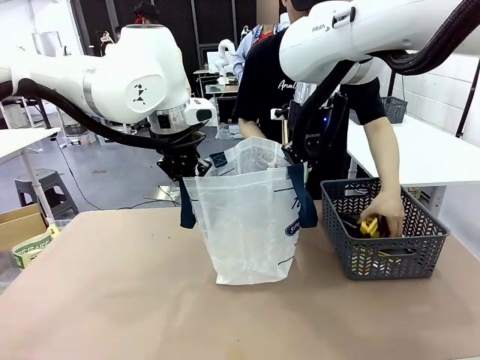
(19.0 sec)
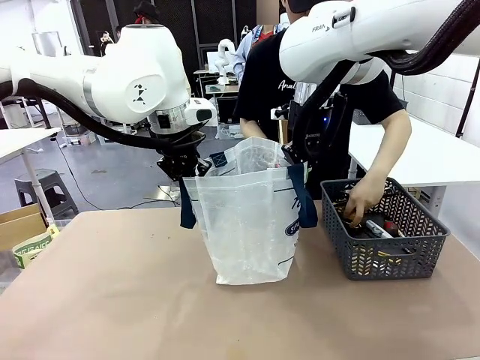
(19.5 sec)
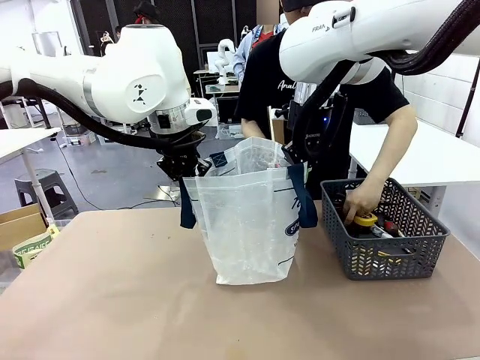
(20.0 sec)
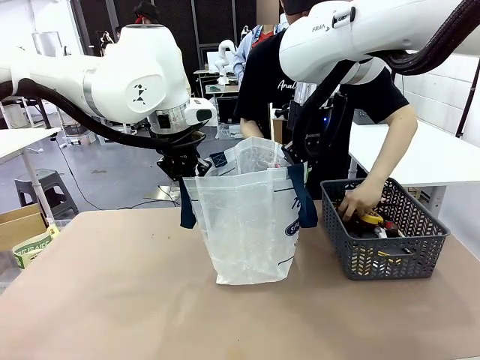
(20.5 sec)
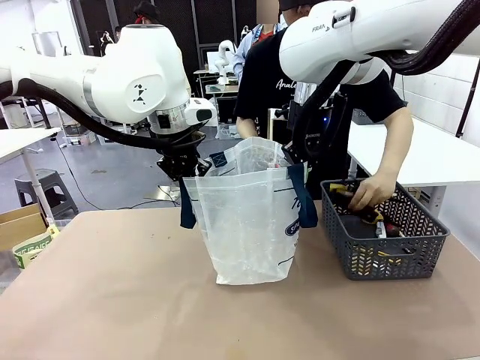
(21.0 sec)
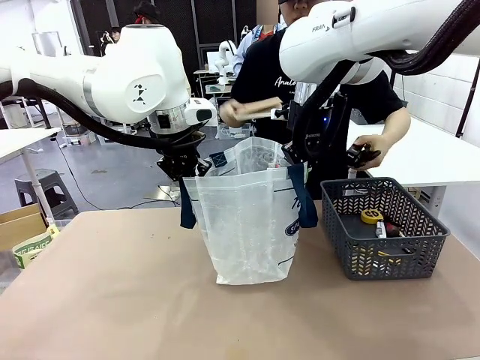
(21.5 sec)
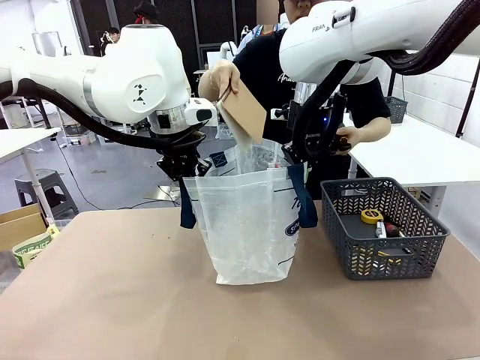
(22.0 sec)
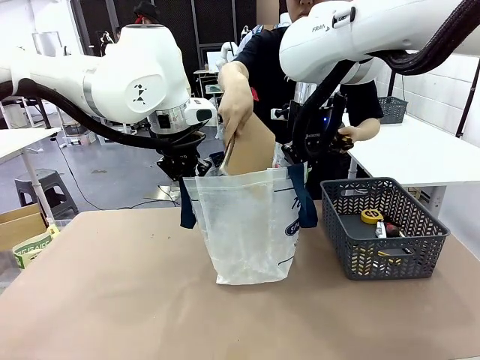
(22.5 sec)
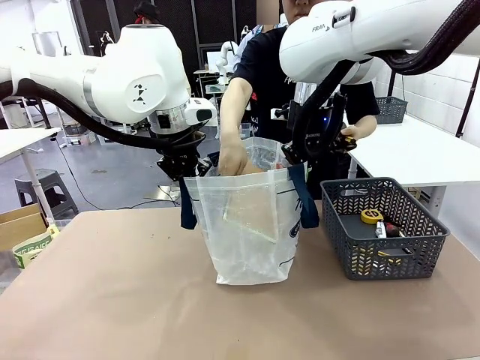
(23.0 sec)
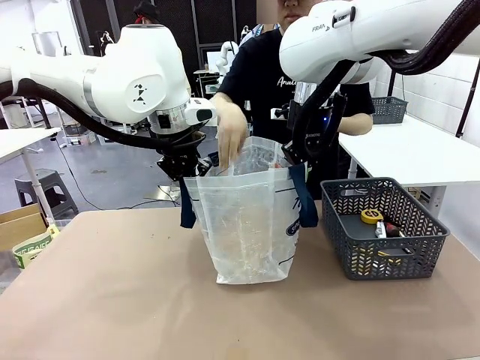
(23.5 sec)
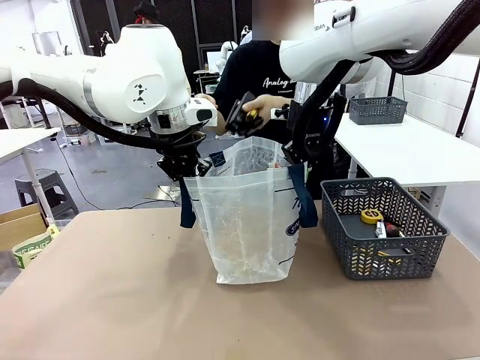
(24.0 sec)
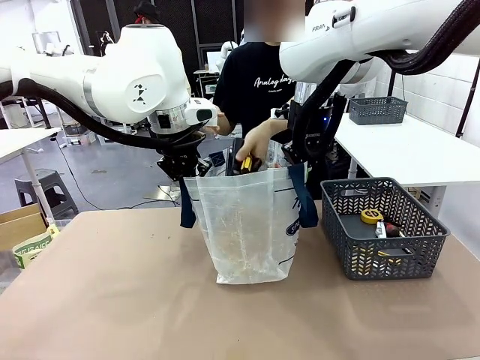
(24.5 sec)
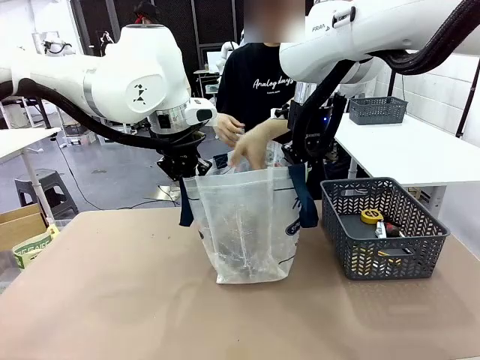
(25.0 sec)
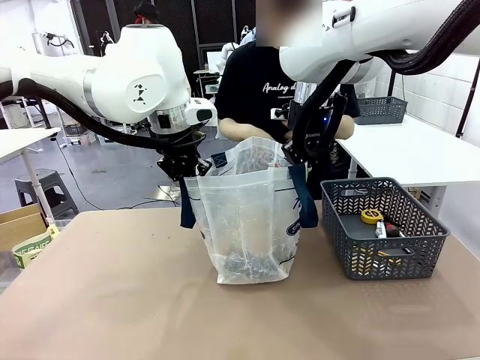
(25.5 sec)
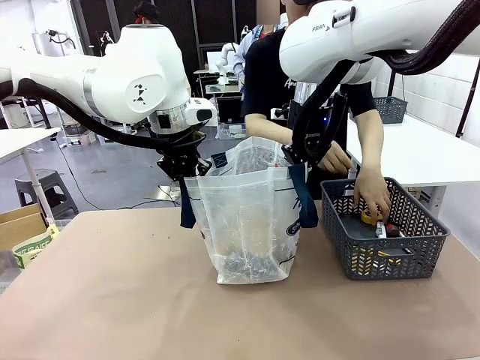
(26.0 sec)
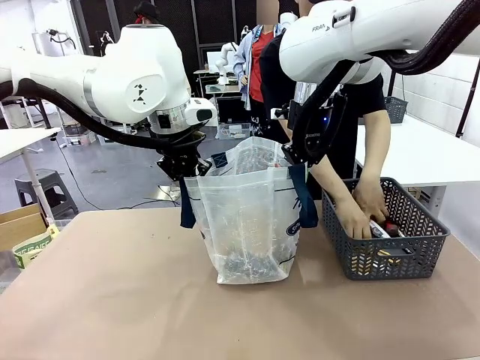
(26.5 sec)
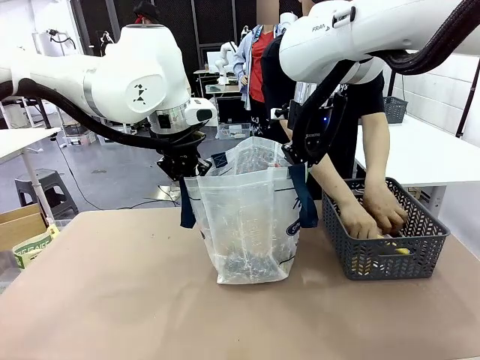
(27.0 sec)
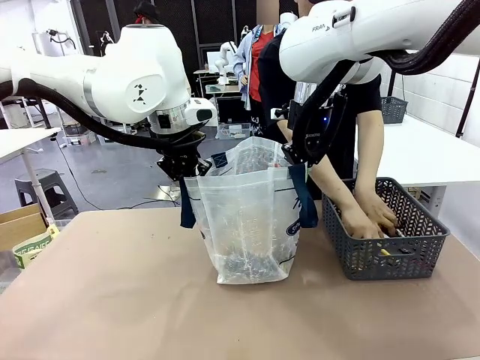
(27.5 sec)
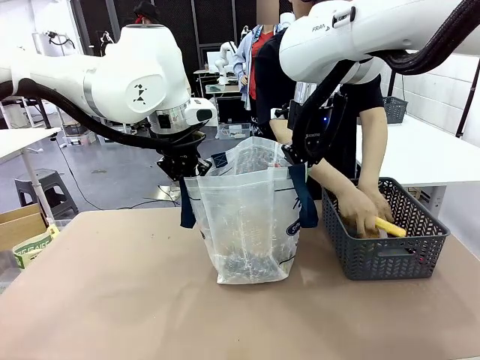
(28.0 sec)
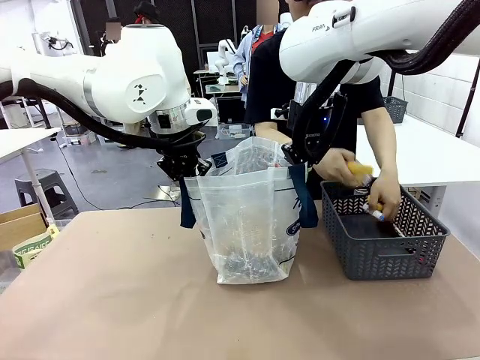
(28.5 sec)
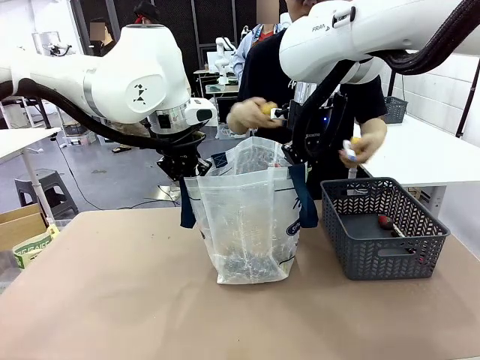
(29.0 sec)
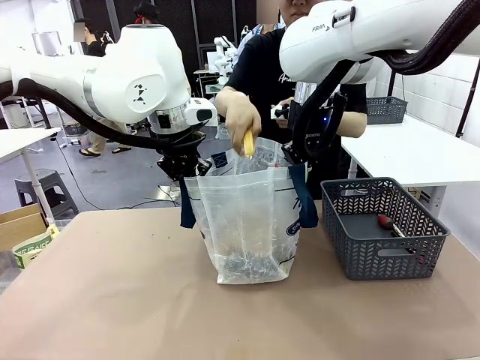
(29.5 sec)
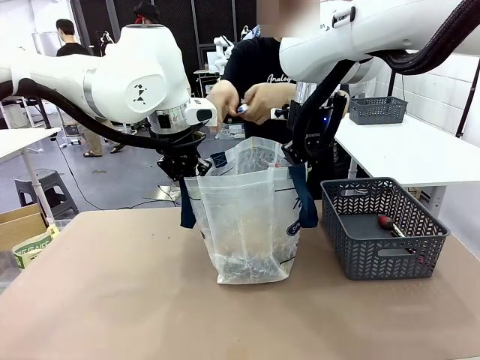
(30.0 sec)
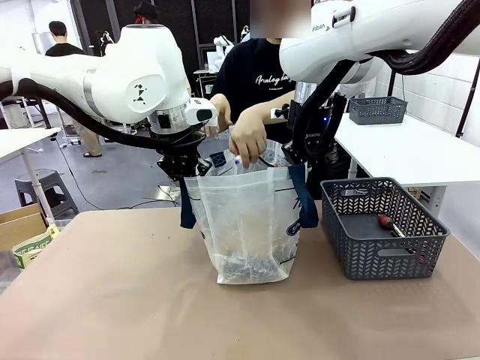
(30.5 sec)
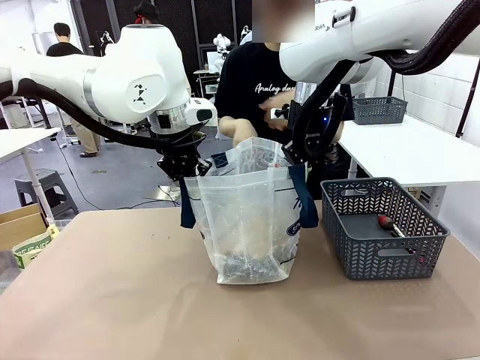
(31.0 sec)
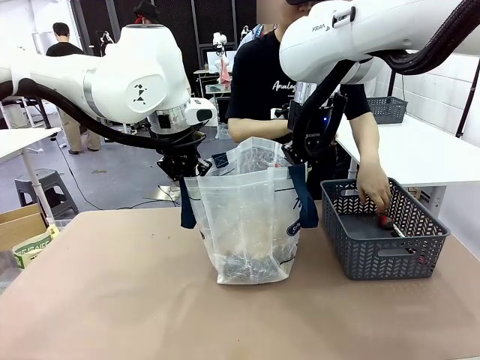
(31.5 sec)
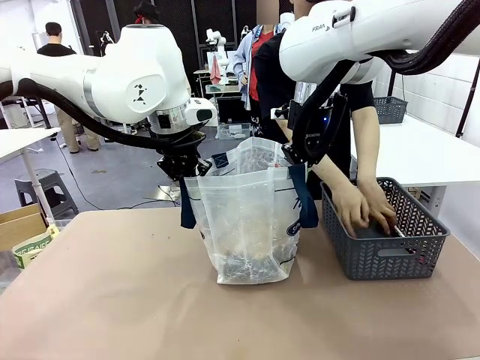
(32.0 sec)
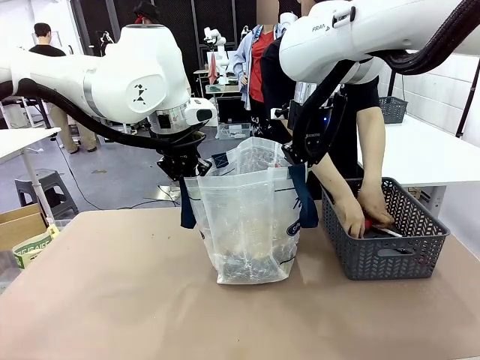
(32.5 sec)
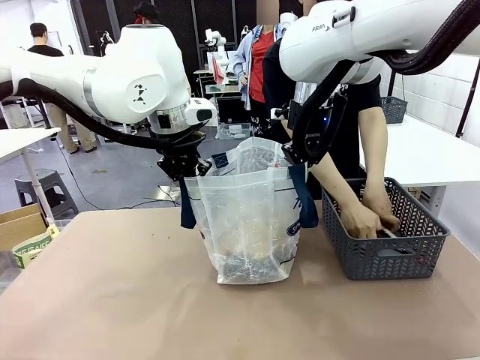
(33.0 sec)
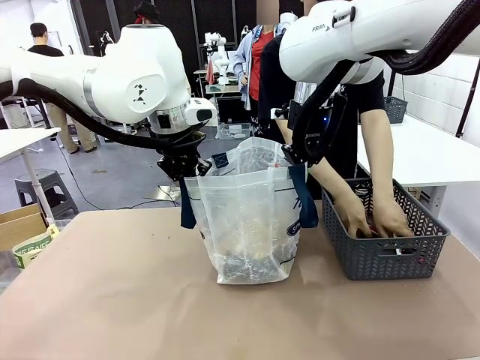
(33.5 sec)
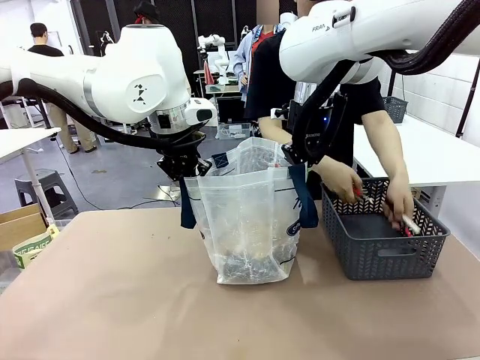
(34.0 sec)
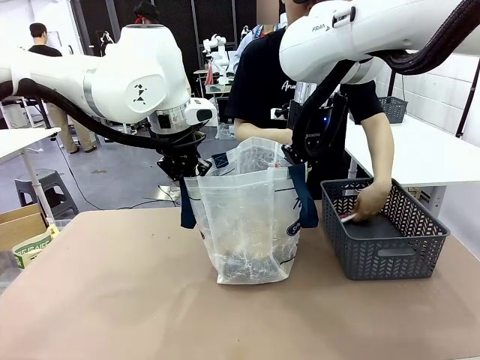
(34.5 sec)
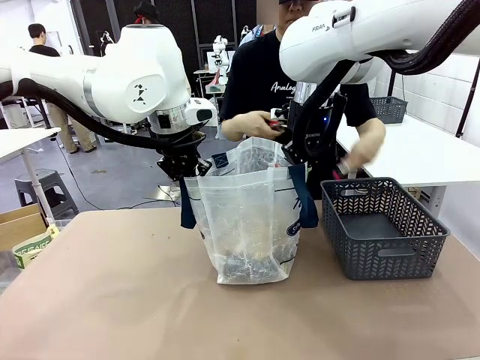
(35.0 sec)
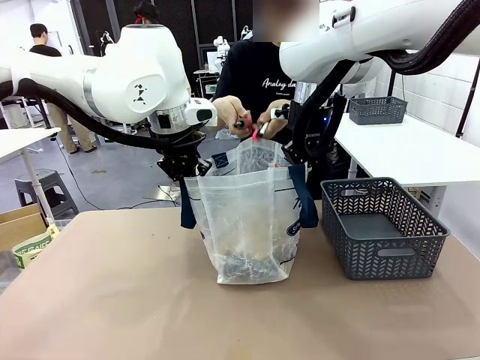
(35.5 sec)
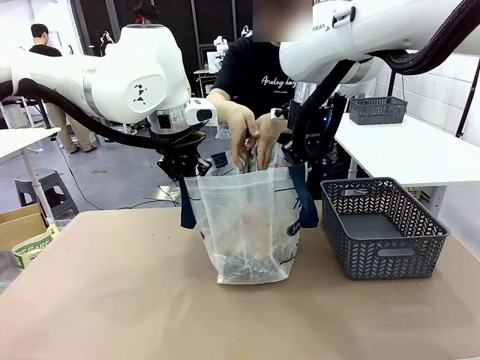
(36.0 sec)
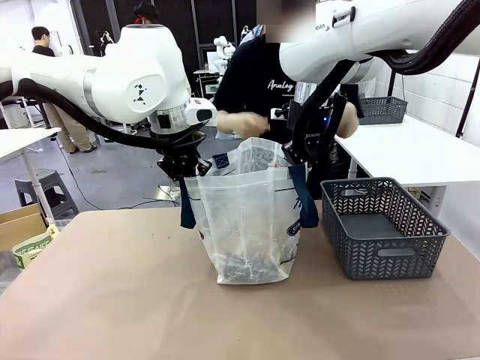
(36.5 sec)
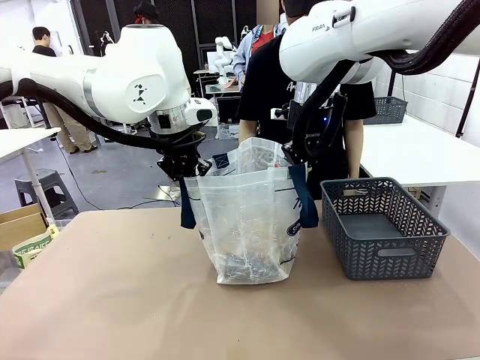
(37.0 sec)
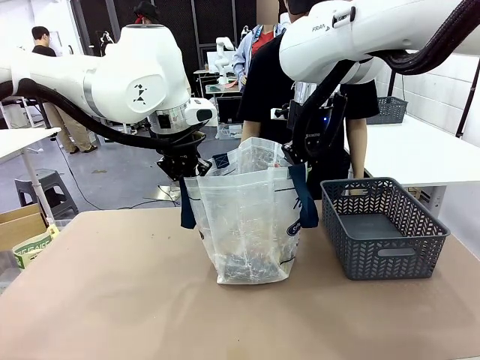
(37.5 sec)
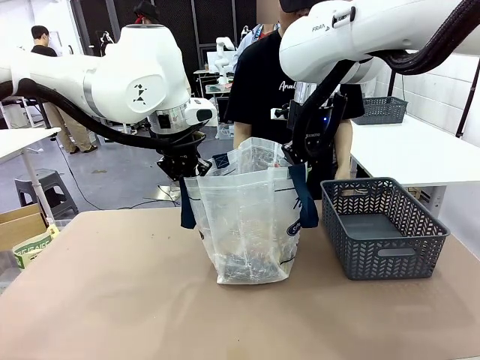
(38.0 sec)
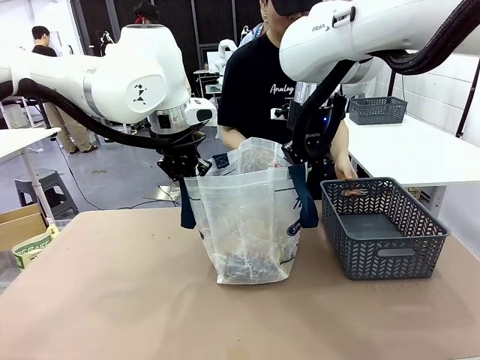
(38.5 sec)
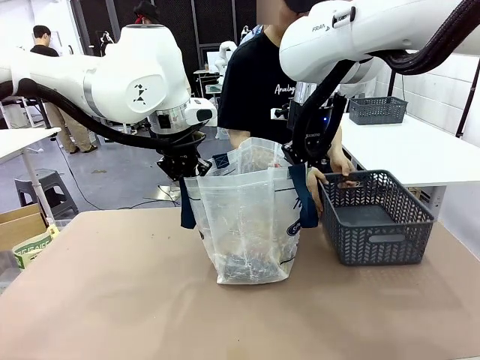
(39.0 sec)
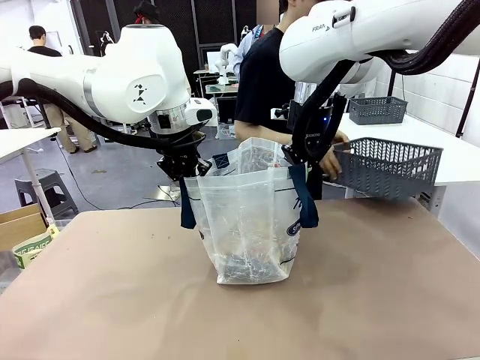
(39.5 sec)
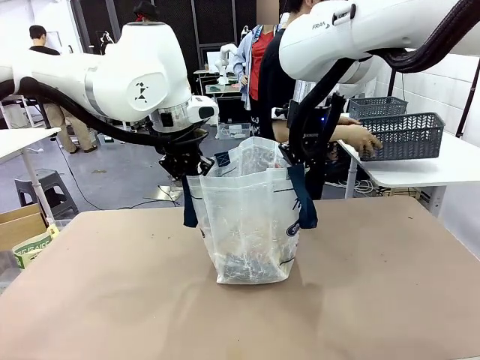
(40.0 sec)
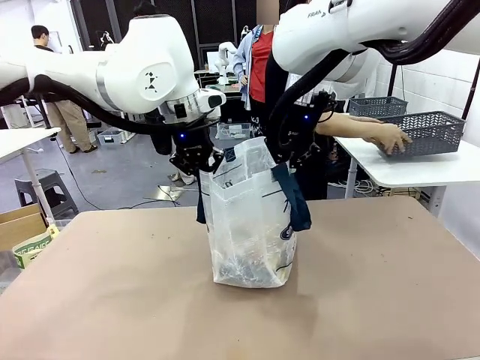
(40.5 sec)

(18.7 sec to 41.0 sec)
Task: Transfer purchased items from the store into the shopping bag.
Robot: Move the Reusable shopping bag to the right side of the table.
Person: Pick up the basket on the right, place it on the left side of the robot table, and move the items in the basket to the shopping bag. Pick up the basket with the items out and place it on the right side of the human table.
